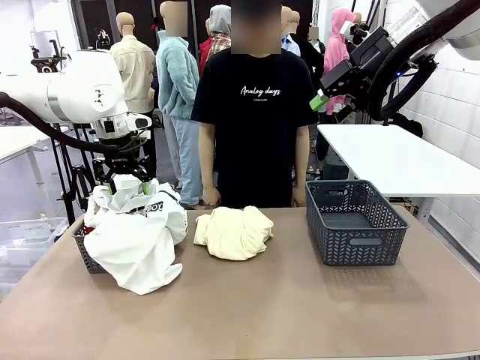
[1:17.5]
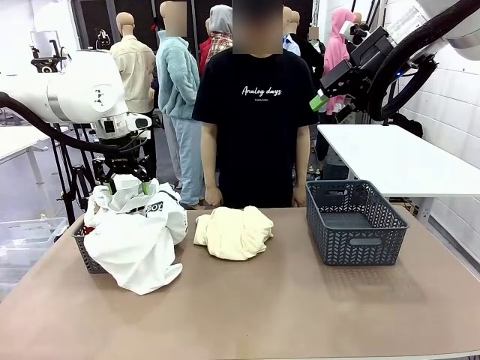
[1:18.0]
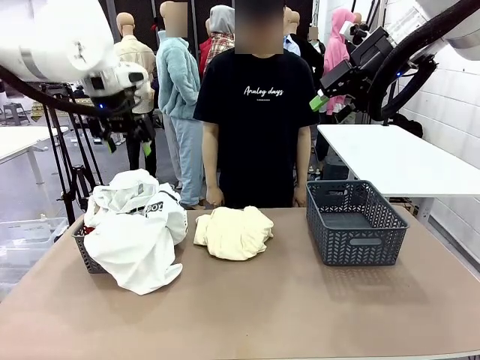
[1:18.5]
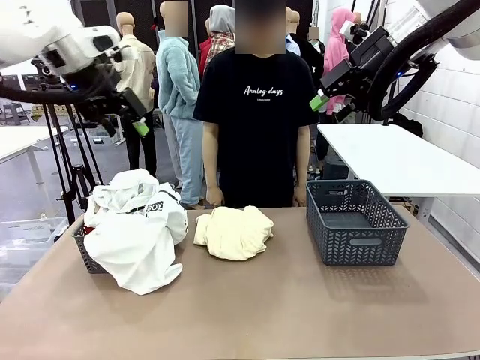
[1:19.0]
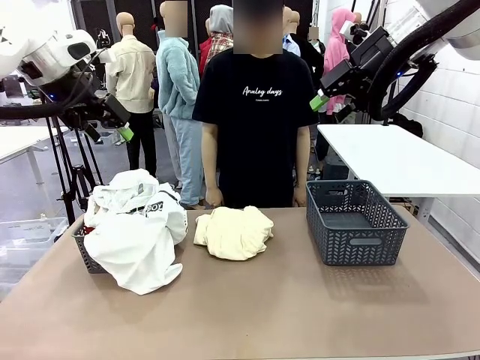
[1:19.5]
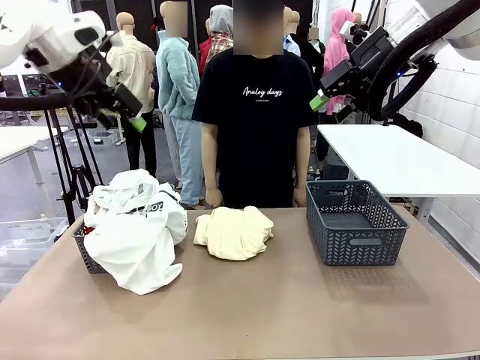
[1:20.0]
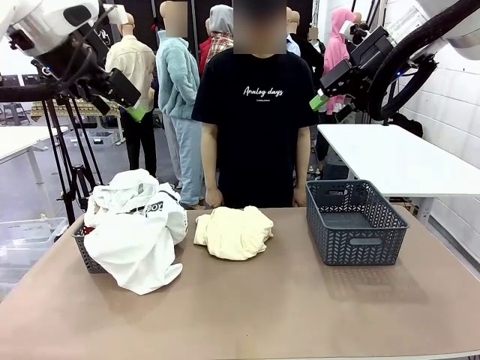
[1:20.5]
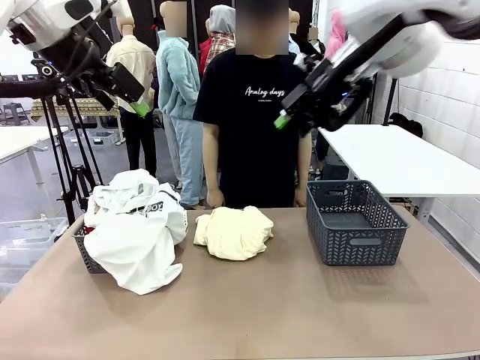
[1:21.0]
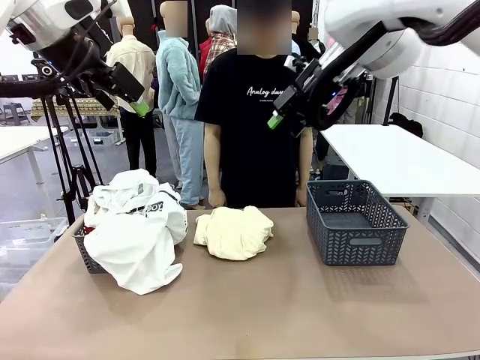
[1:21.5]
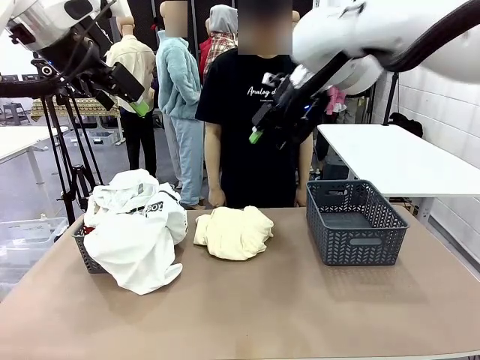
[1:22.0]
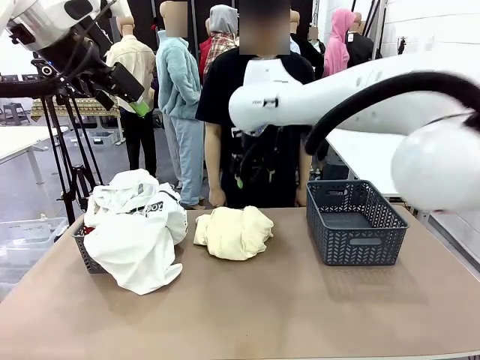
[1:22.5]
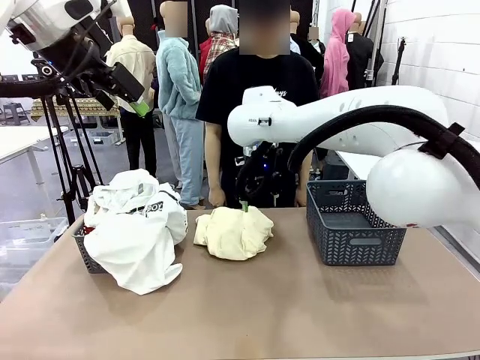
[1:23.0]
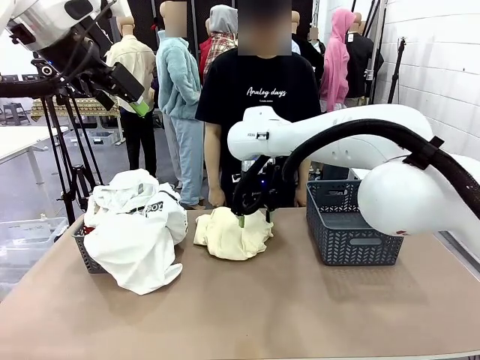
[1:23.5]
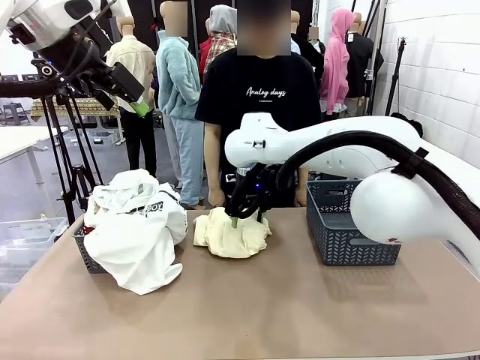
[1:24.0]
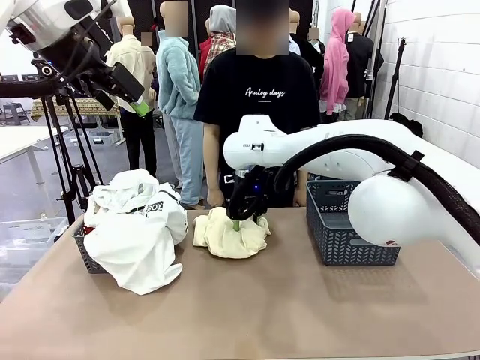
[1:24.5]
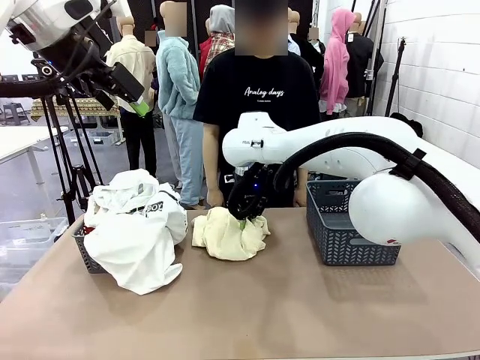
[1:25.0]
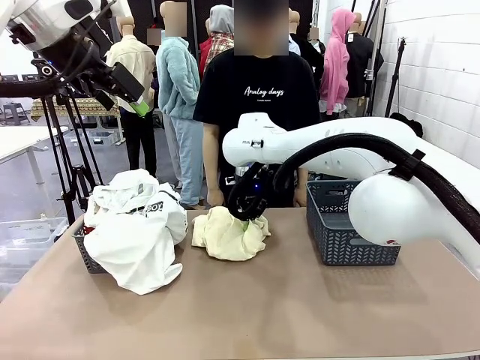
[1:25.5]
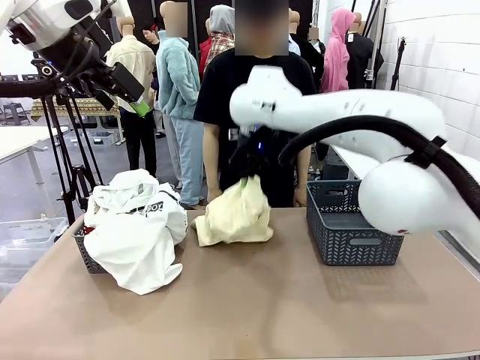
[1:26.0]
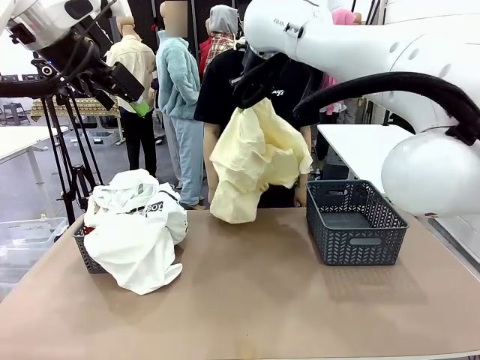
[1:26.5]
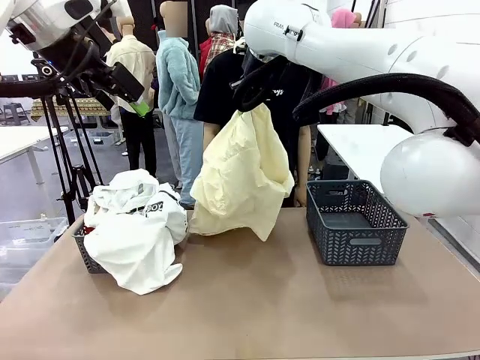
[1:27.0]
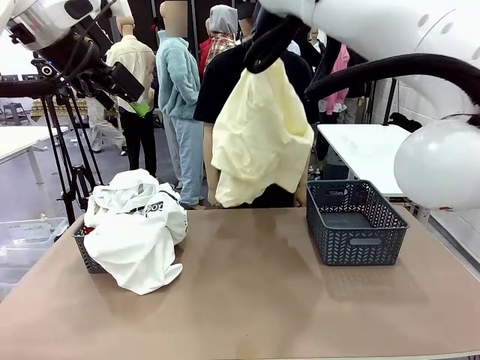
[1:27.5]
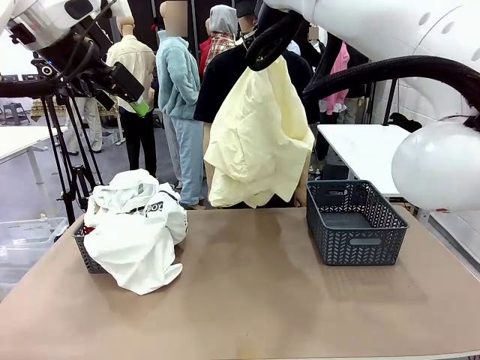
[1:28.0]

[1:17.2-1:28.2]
Task: Sort the tops and bottoms.
Robot: Lift clothes from the center of the table with your right hand.

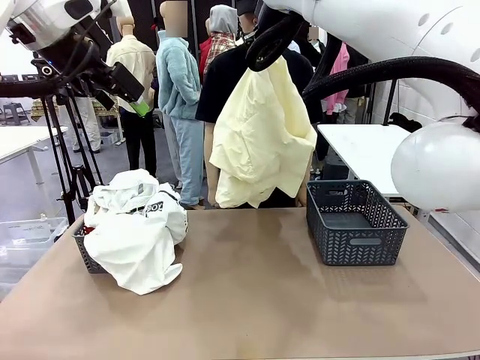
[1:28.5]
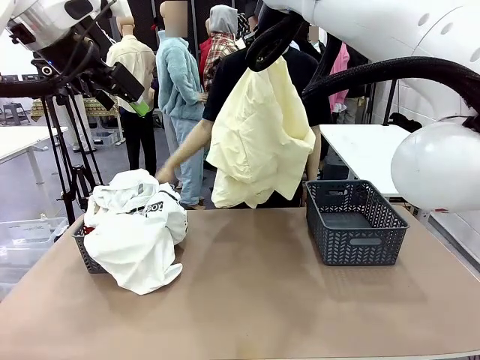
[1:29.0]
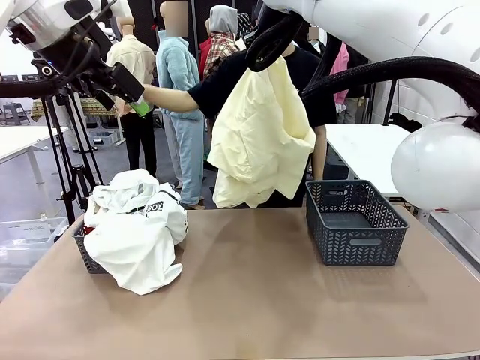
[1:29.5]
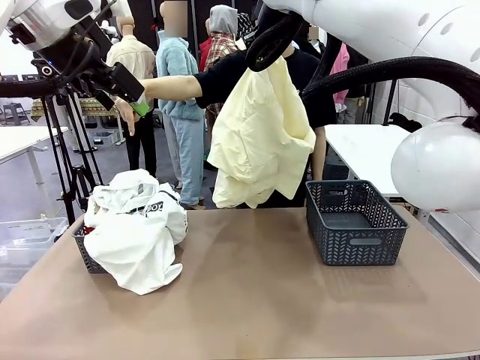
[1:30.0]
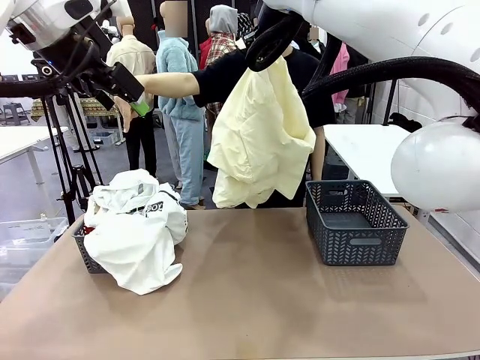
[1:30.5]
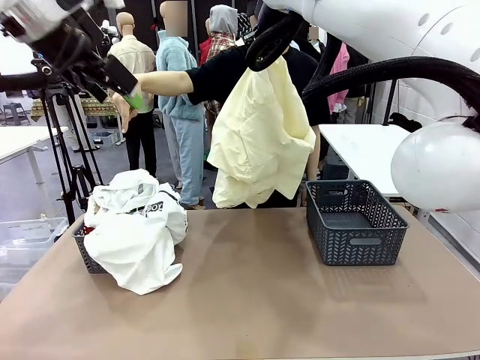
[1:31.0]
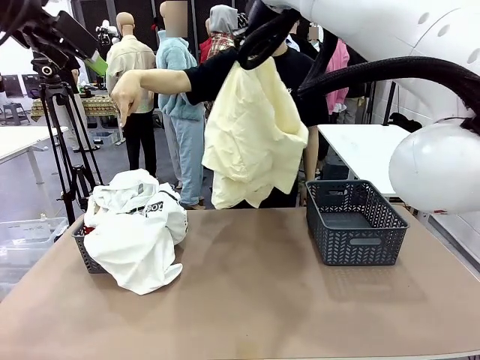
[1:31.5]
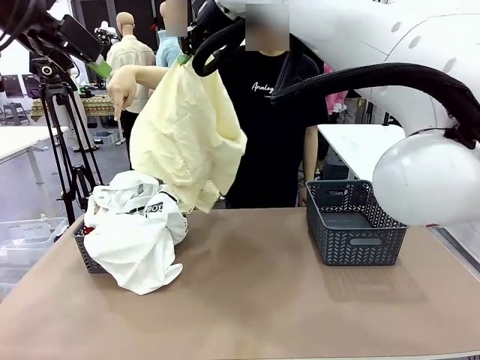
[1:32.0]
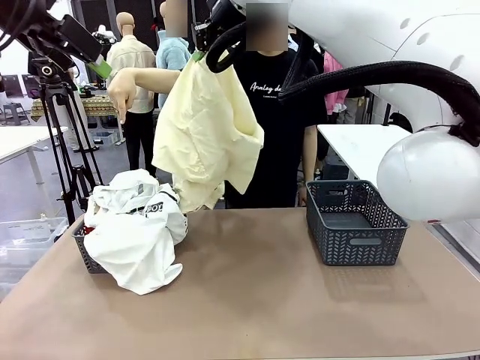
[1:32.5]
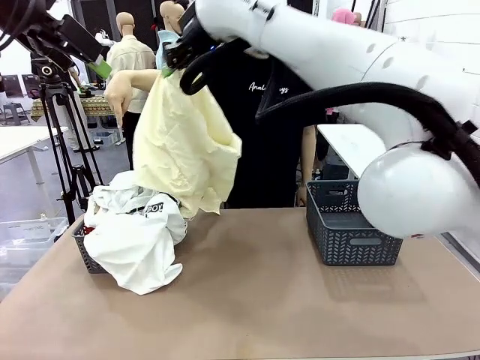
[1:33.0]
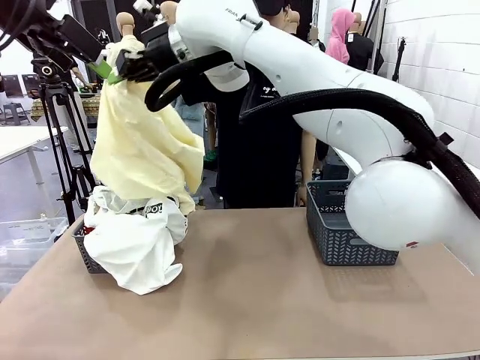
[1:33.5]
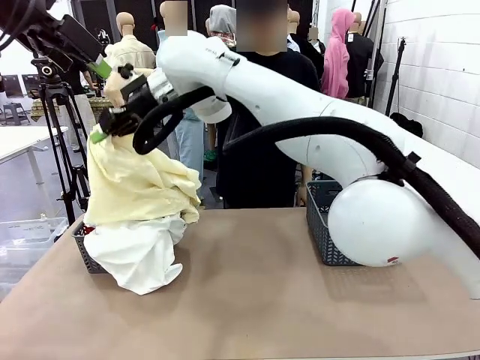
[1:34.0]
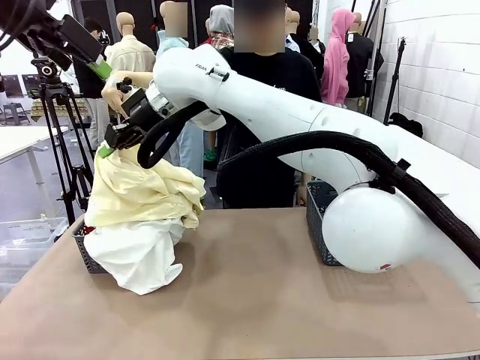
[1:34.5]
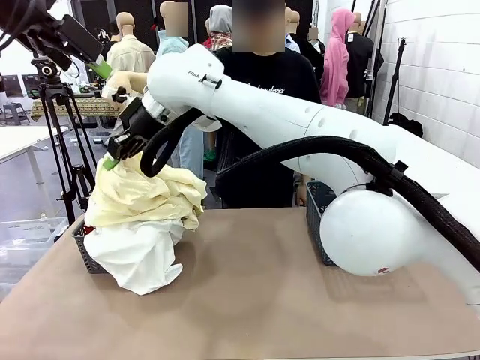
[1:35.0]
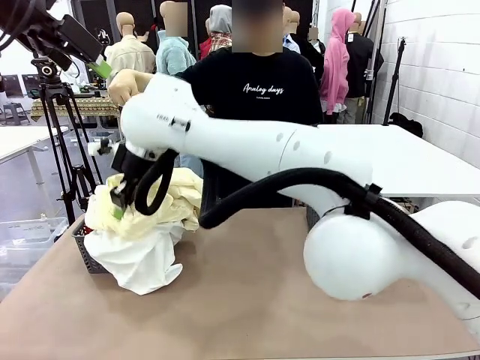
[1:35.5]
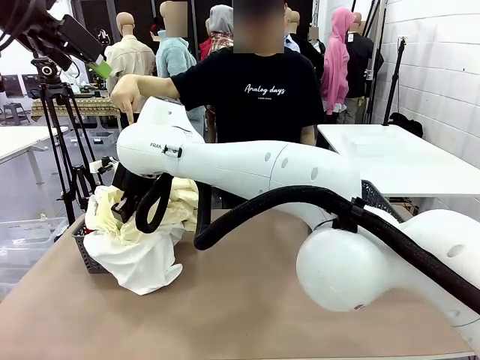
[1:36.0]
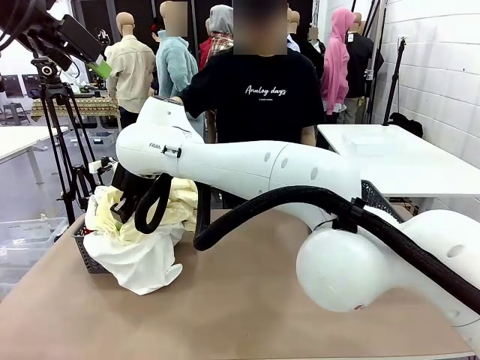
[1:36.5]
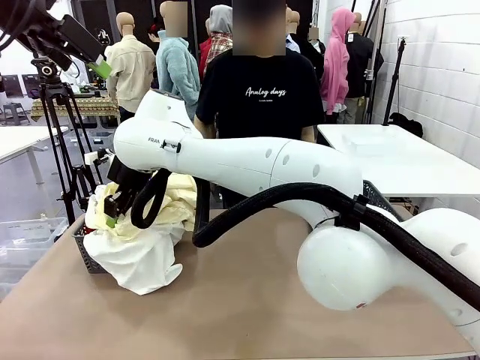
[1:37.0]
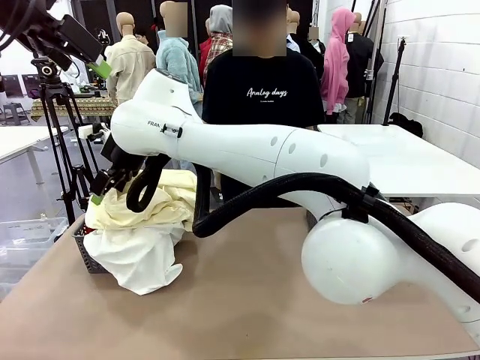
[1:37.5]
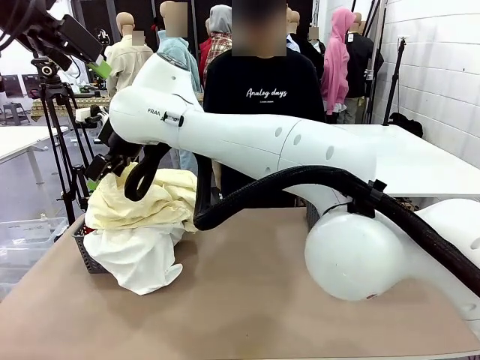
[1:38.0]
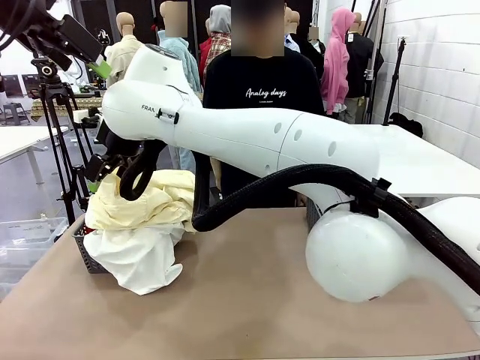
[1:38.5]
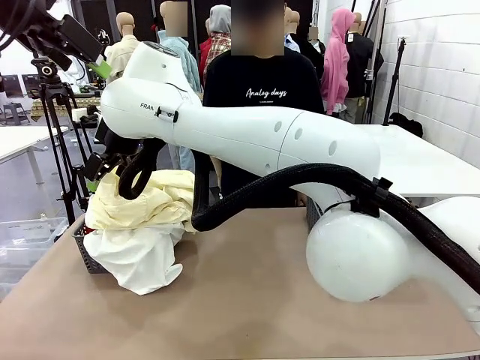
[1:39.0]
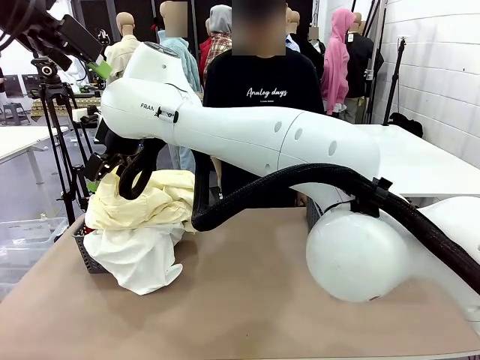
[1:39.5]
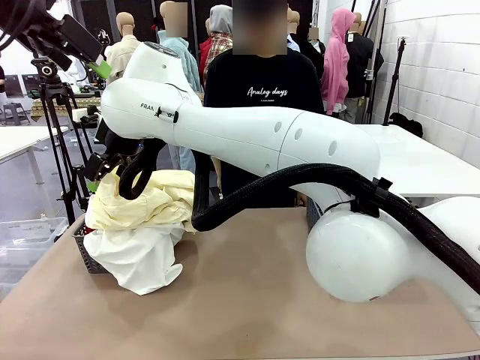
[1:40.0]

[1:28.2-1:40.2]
Robot: Sort the clothes according to human instructions.
